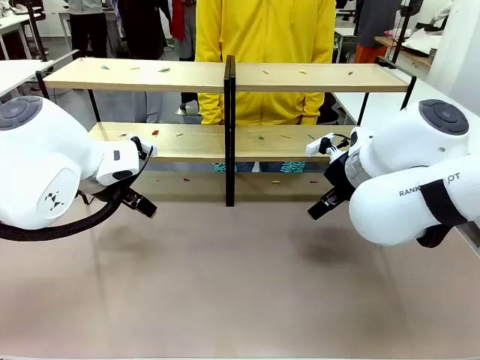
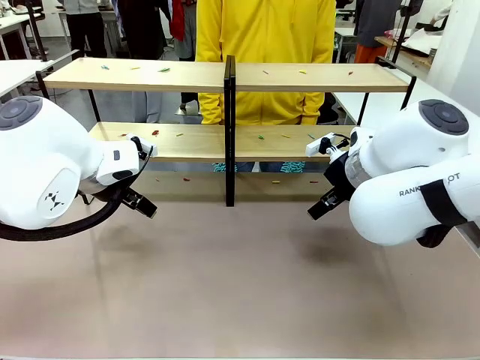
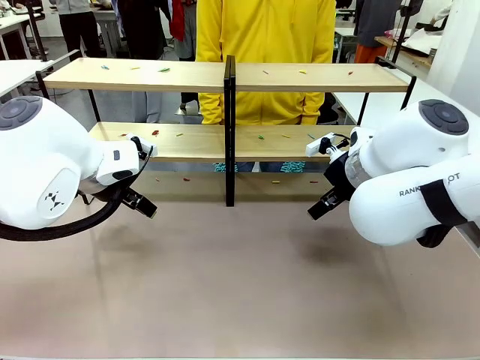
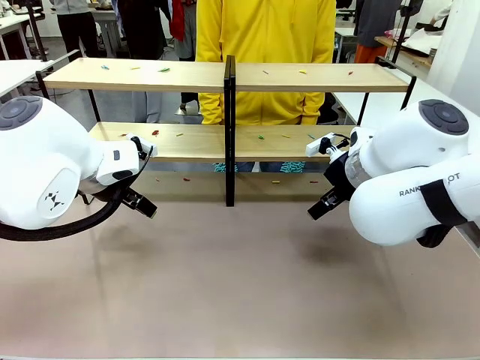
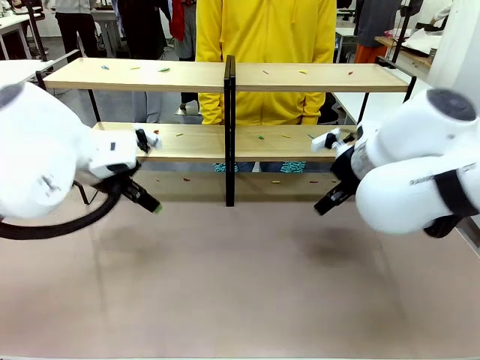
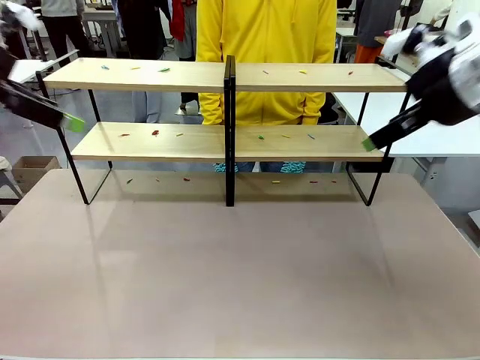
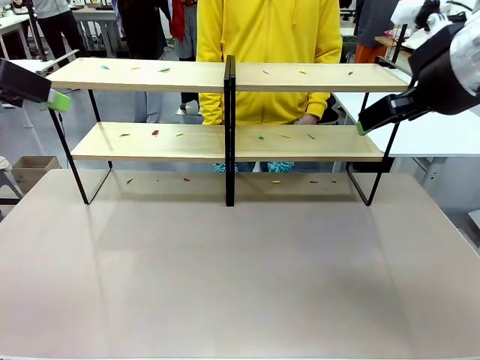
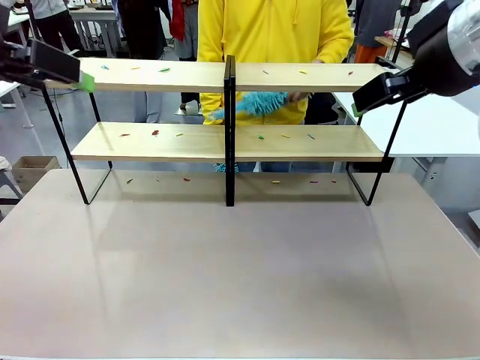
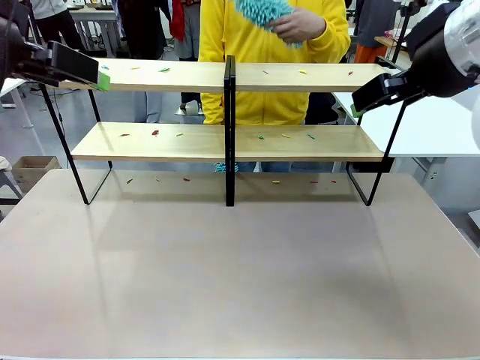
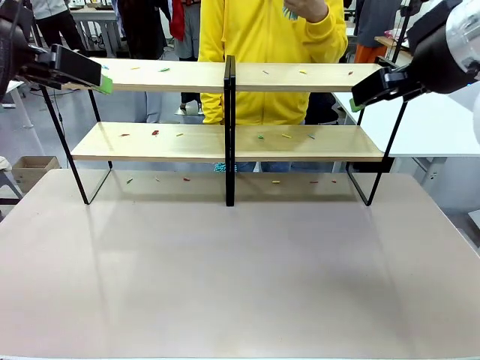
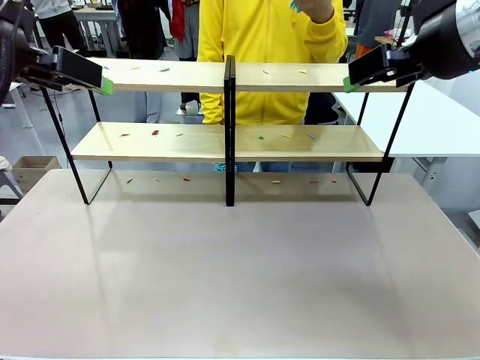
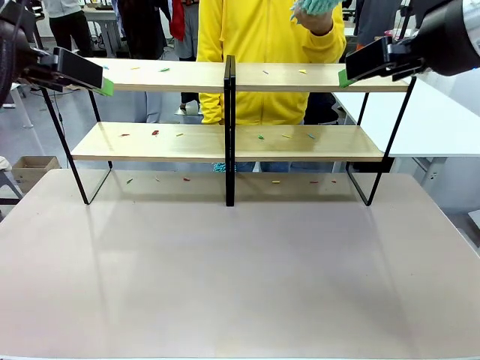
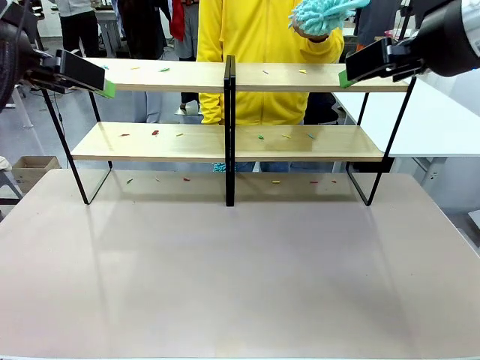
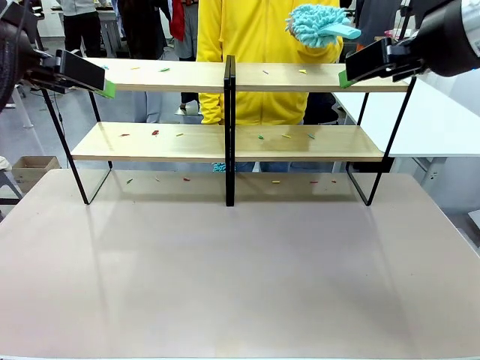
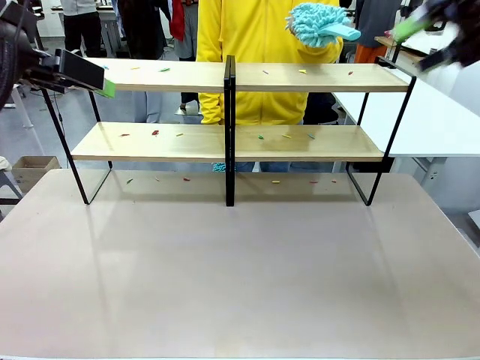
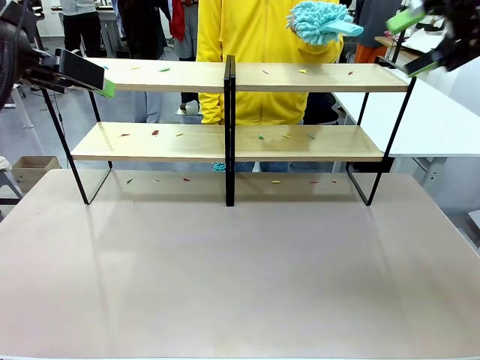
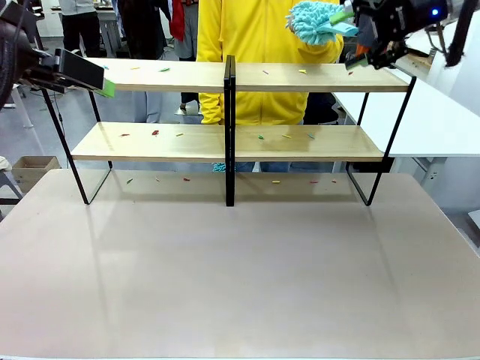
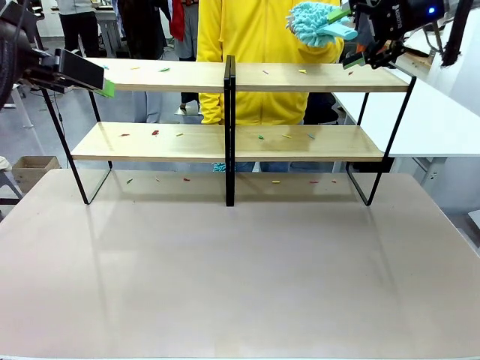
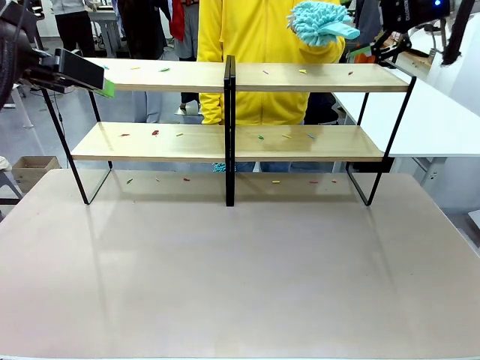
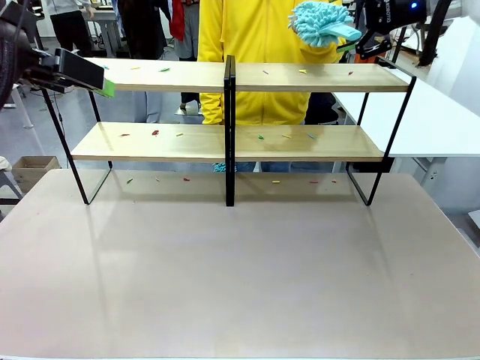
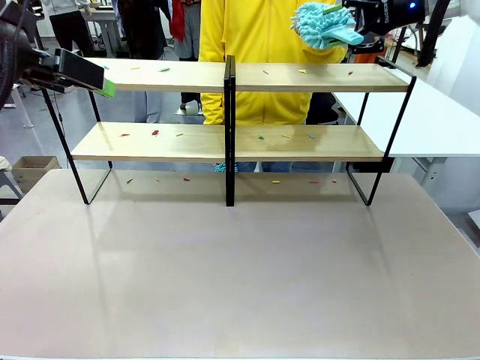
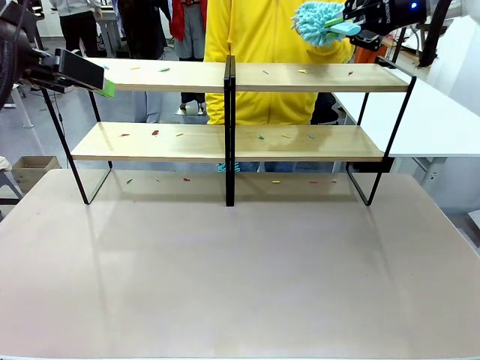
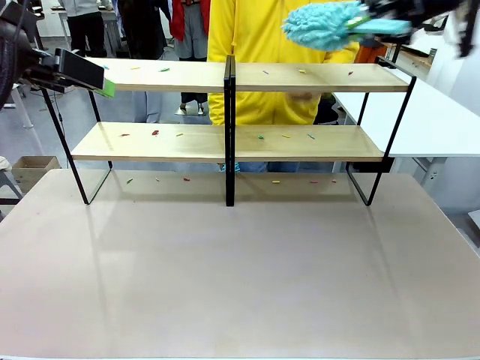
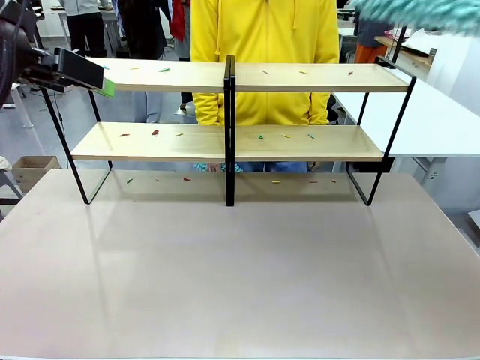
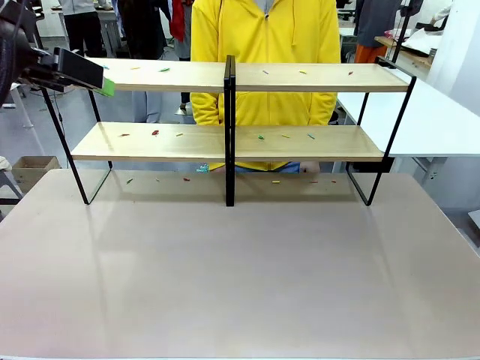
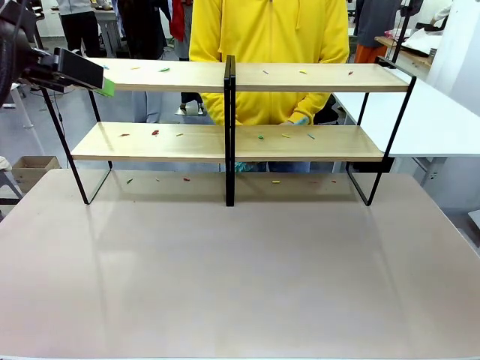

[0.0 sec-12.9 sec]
Task: Clean the shelves.
Robot: Pick up the Duster when the human hands it over.
Person: Hand the Duster to the robot with your right (or left) hand.

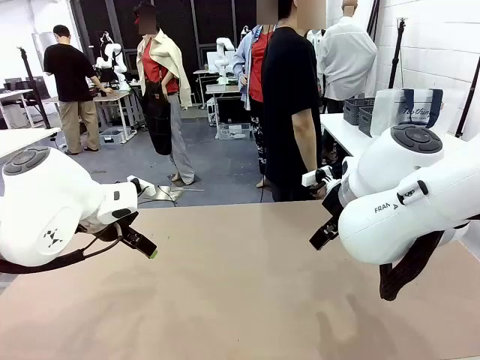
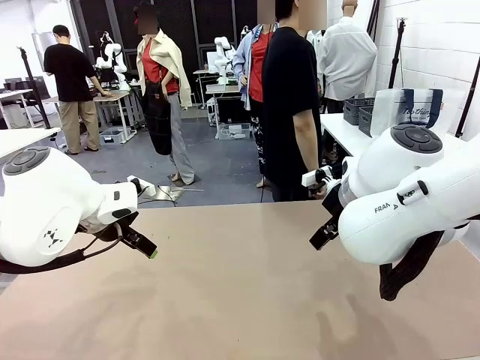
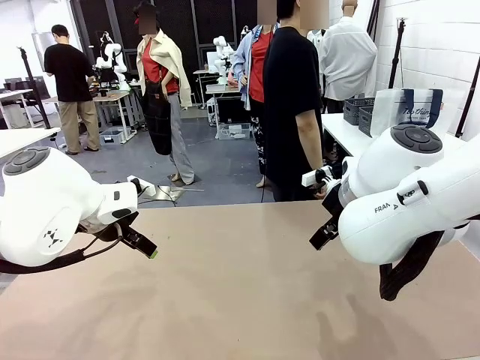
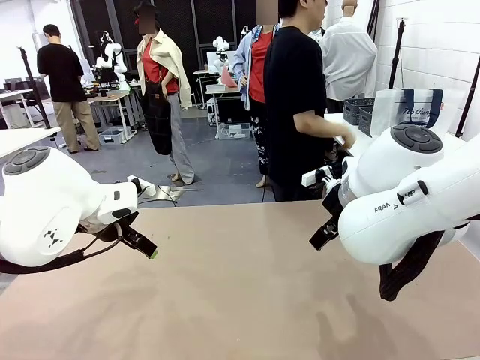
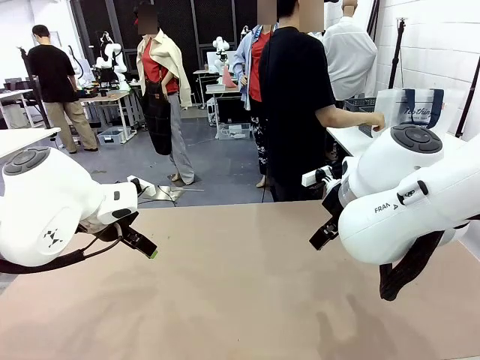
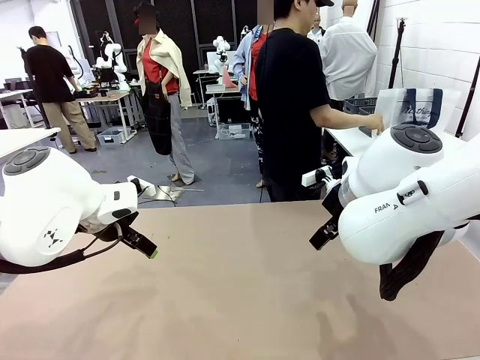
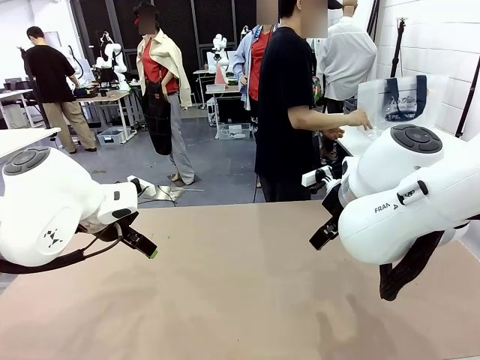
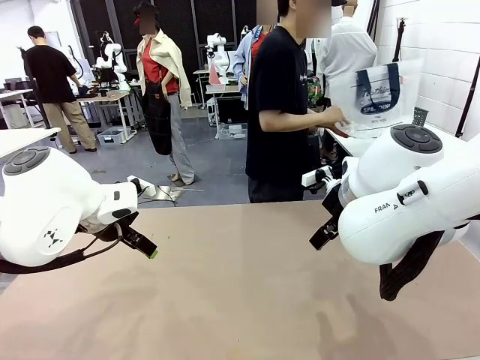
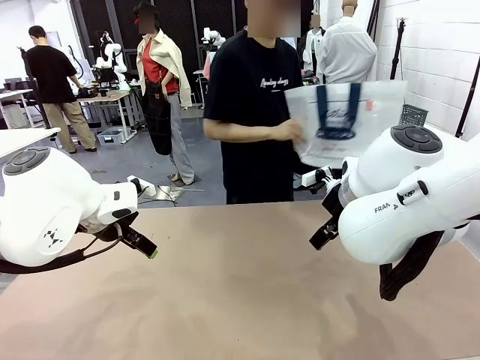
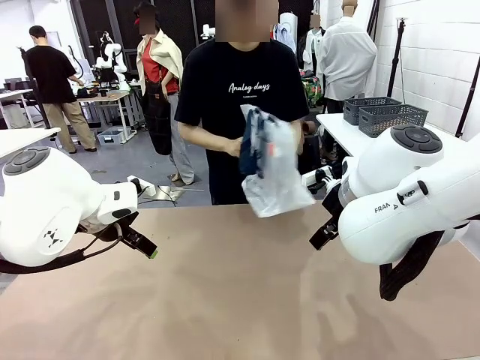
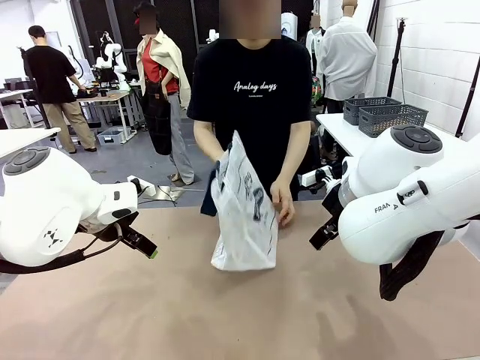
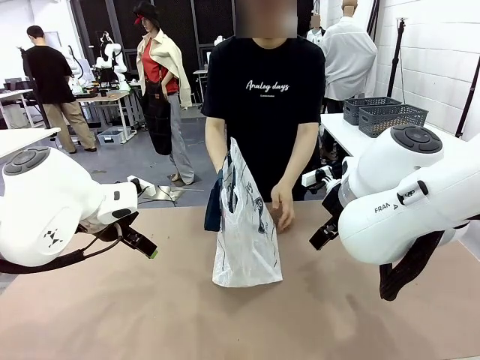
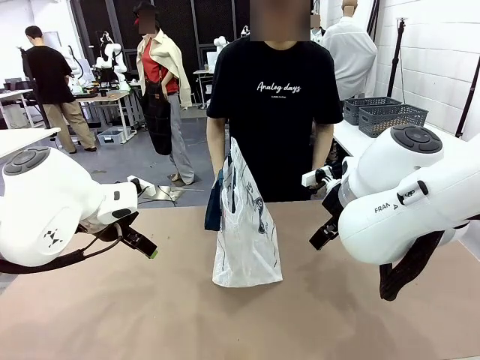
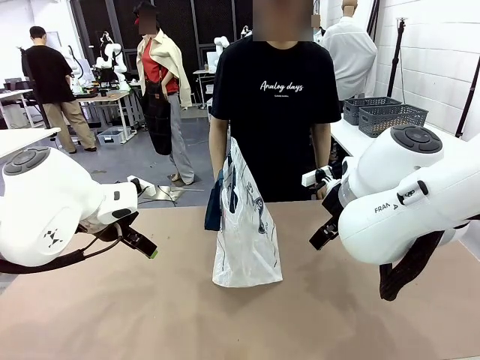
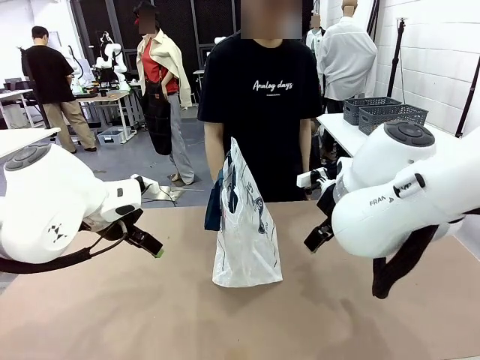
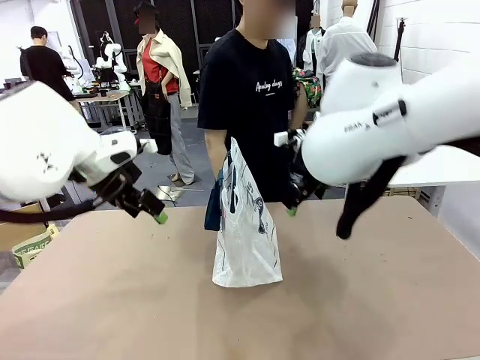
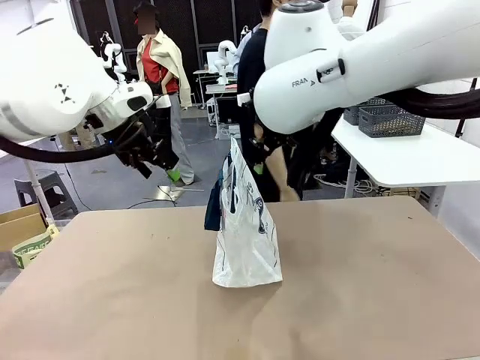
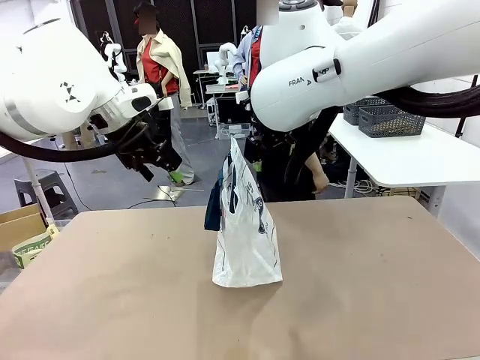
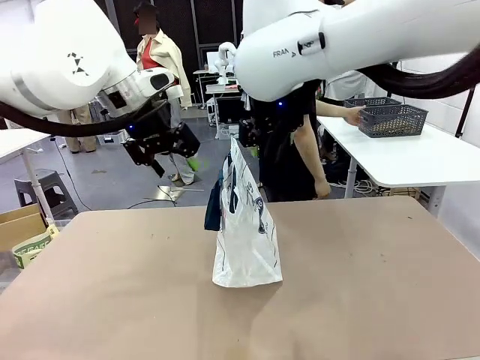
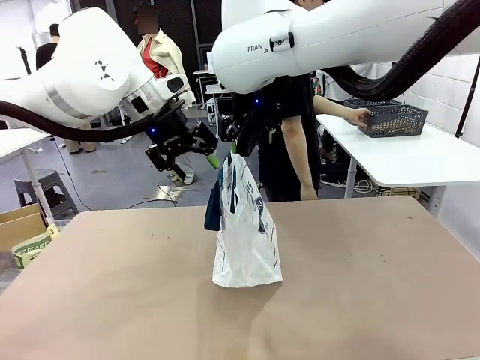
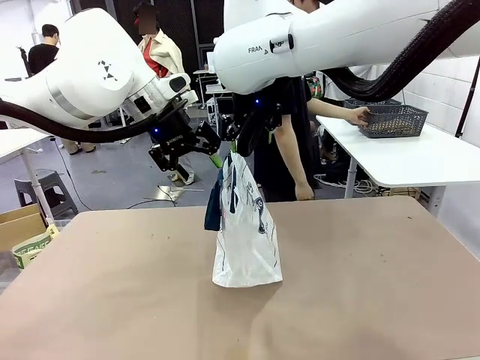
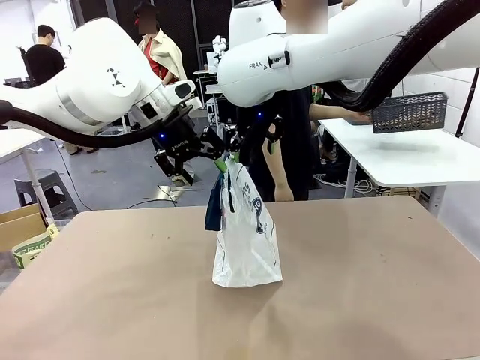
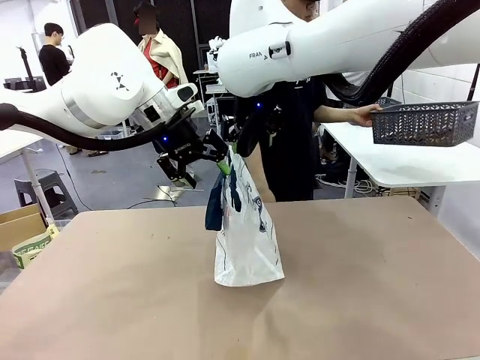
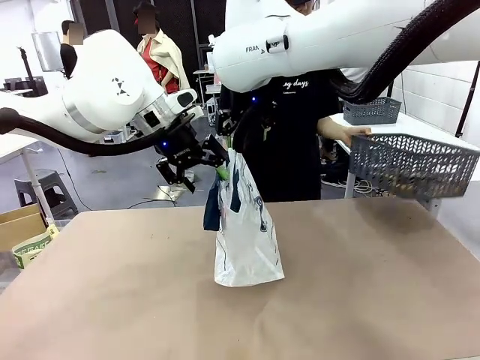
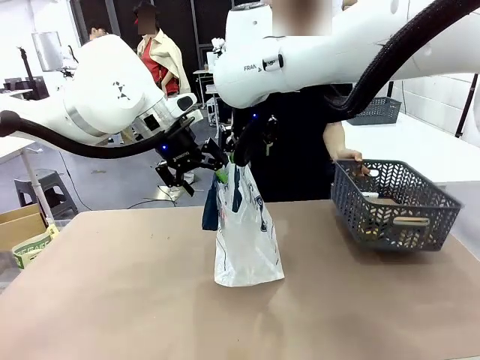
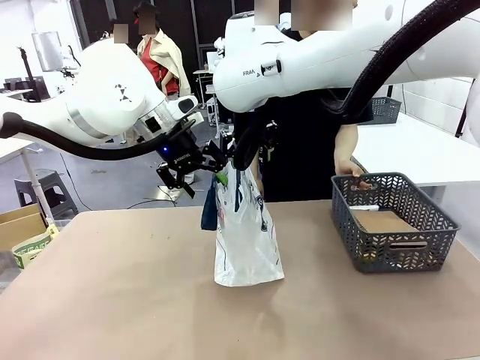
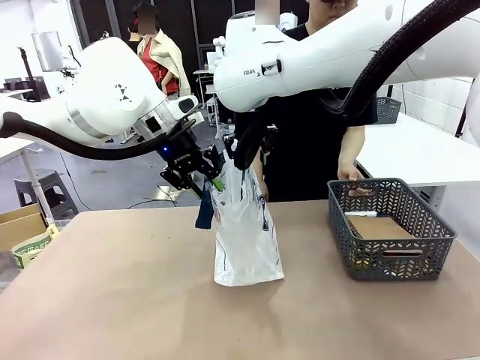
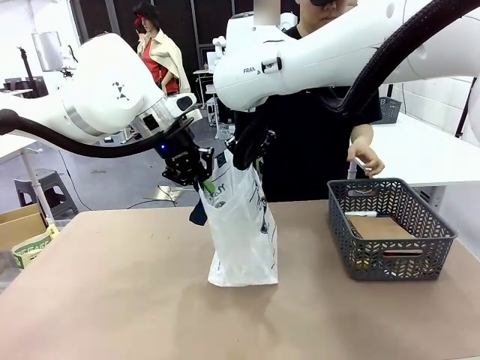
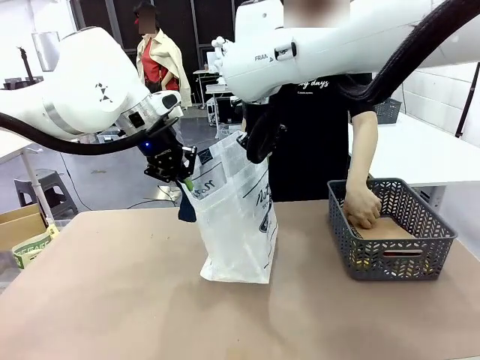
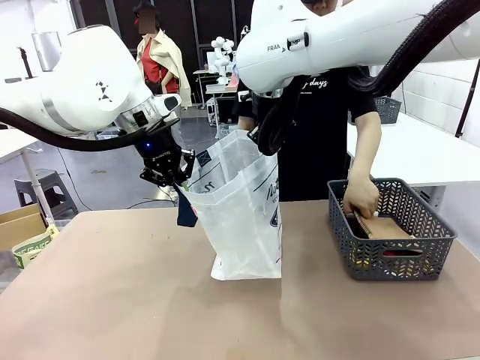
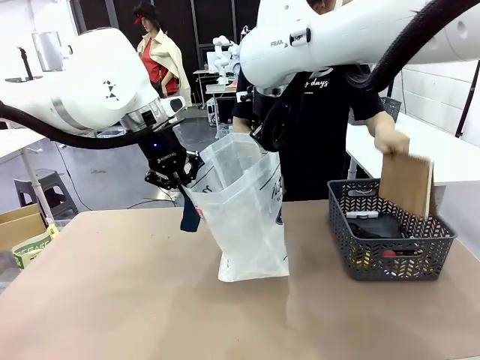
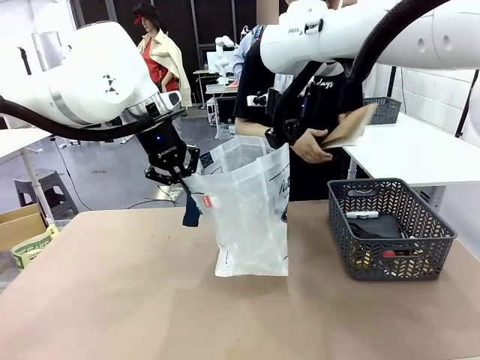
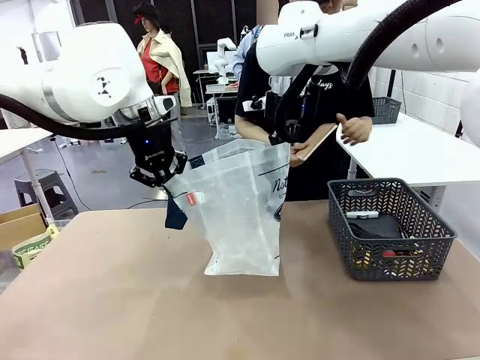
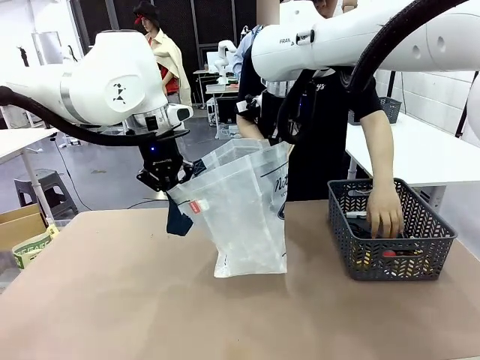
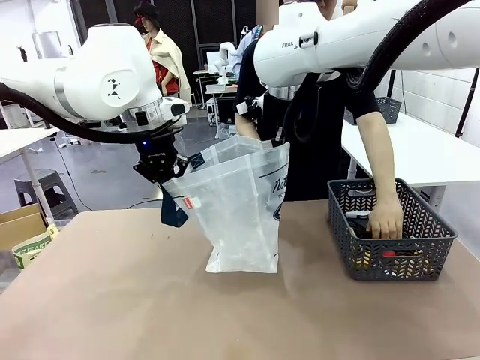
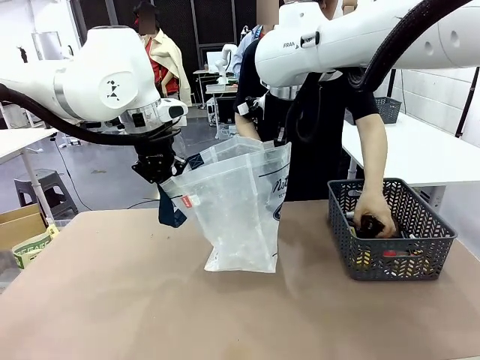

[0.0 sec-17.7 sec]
Task: Transfer purchased items from the store into the shopping bag.
Robot: Open the Reusable shopping bag in the center of the table.
Person: Pick up the shopping bag and place it in the middle of the robot table.
